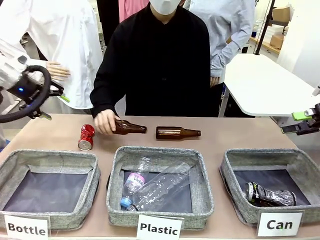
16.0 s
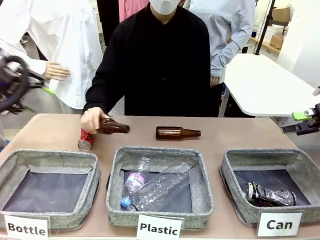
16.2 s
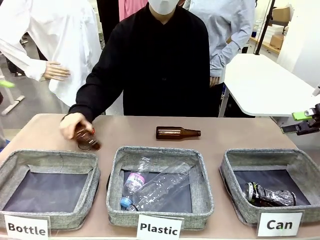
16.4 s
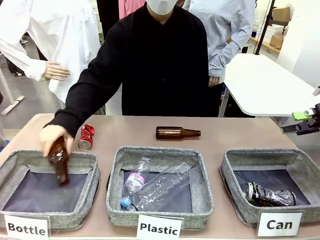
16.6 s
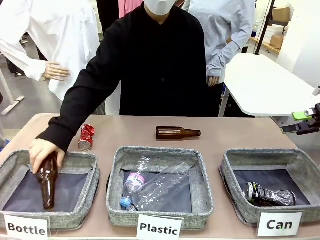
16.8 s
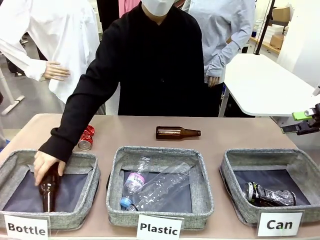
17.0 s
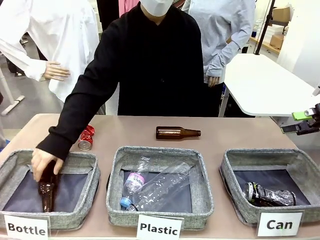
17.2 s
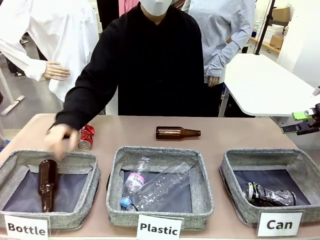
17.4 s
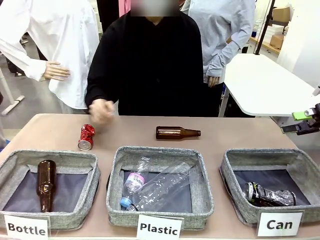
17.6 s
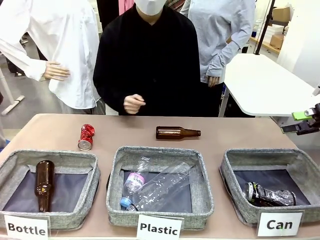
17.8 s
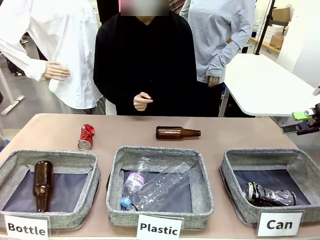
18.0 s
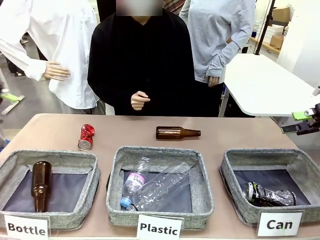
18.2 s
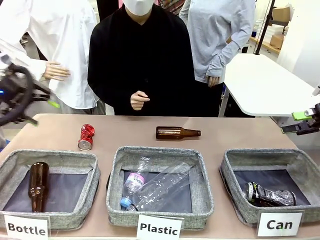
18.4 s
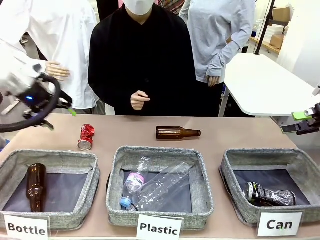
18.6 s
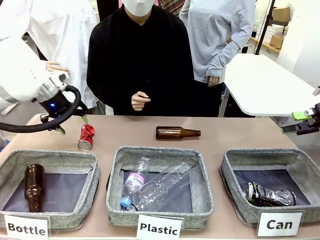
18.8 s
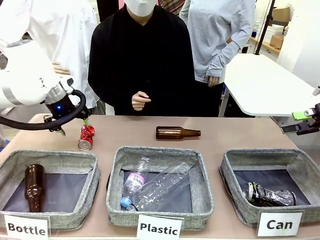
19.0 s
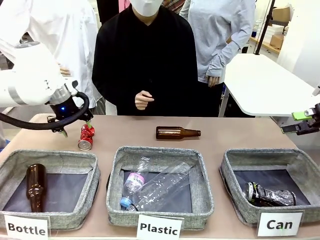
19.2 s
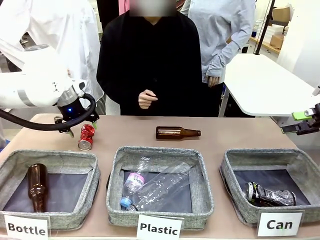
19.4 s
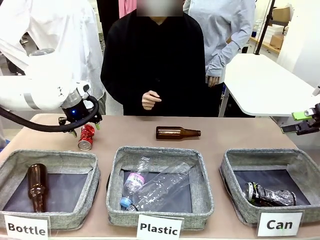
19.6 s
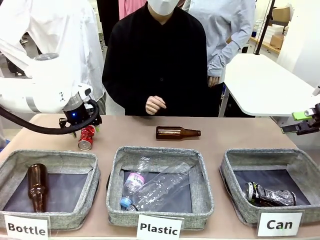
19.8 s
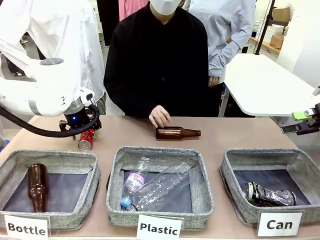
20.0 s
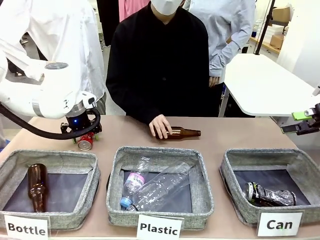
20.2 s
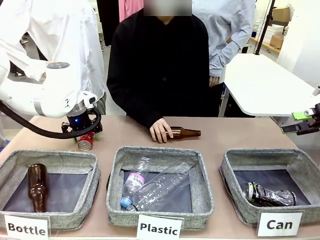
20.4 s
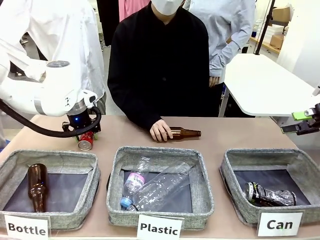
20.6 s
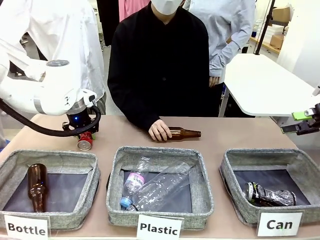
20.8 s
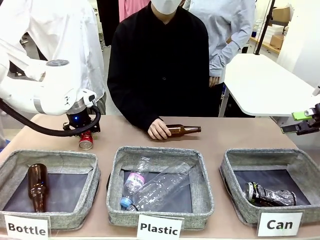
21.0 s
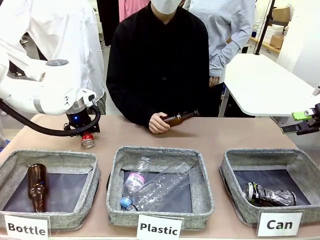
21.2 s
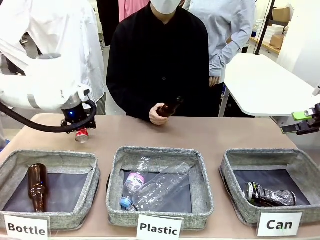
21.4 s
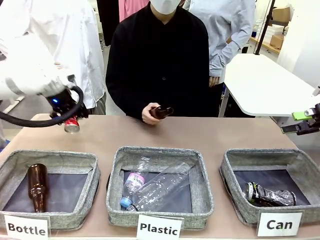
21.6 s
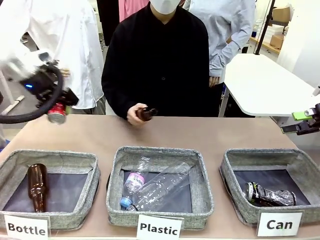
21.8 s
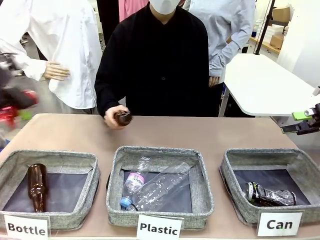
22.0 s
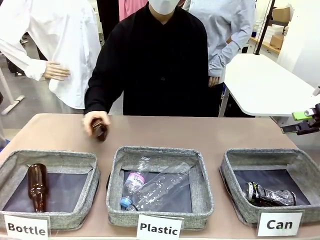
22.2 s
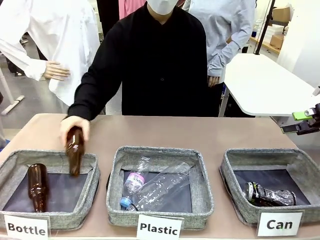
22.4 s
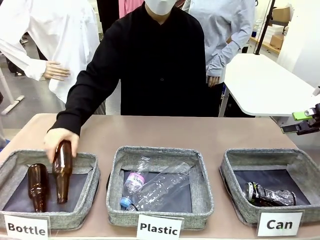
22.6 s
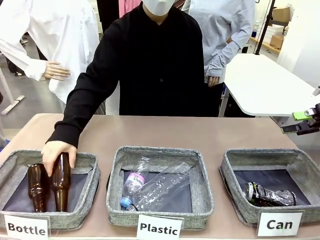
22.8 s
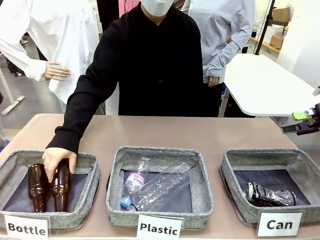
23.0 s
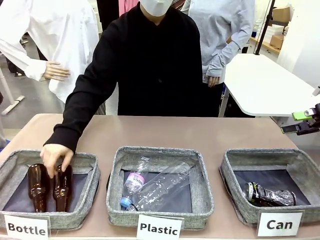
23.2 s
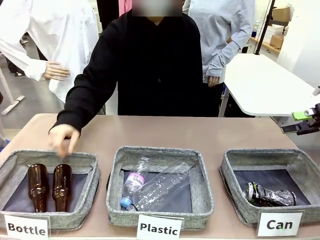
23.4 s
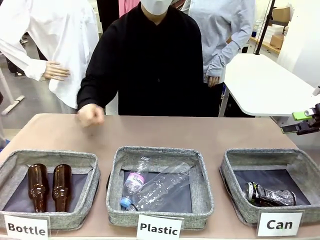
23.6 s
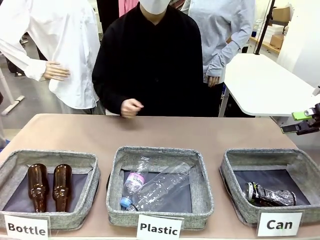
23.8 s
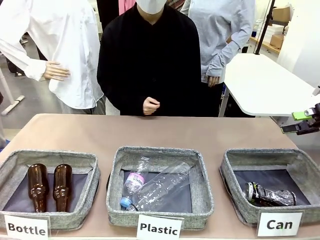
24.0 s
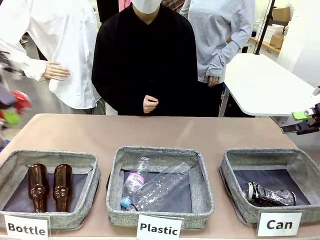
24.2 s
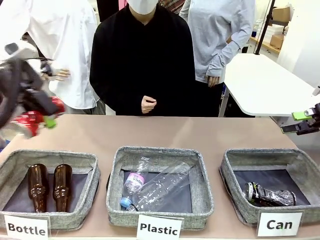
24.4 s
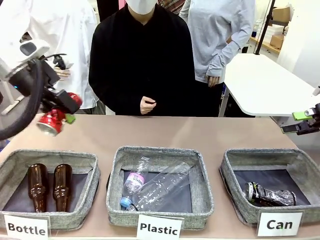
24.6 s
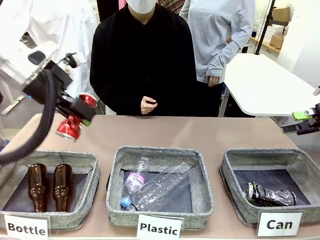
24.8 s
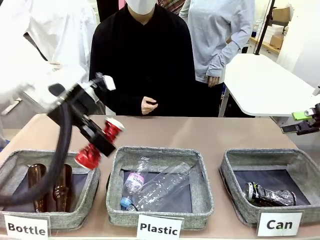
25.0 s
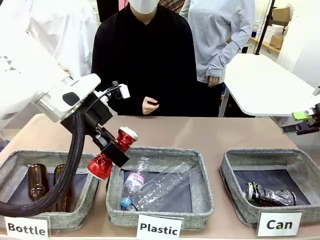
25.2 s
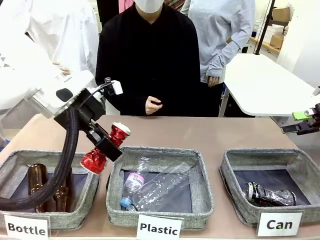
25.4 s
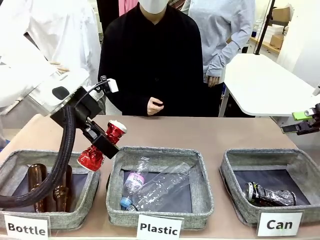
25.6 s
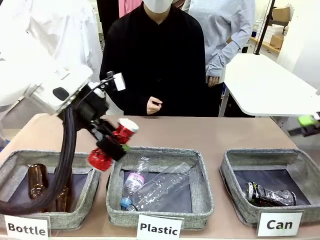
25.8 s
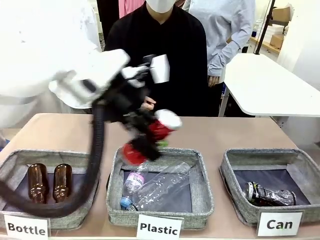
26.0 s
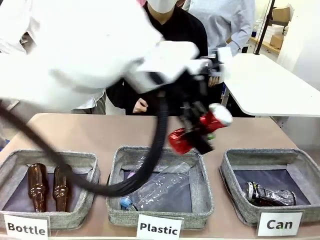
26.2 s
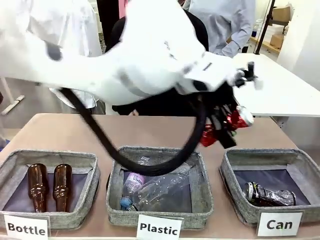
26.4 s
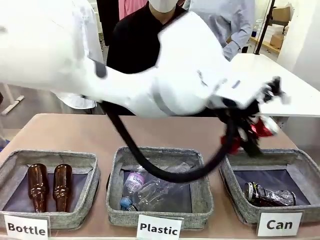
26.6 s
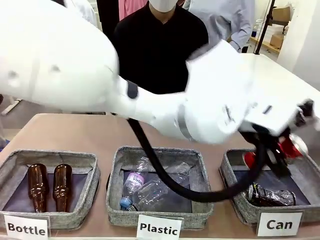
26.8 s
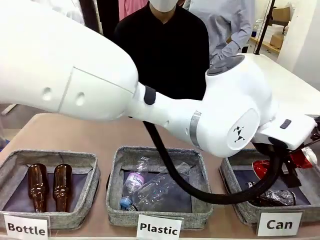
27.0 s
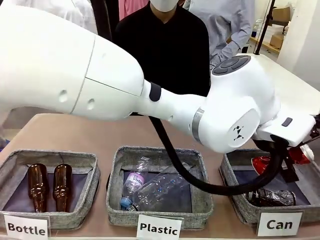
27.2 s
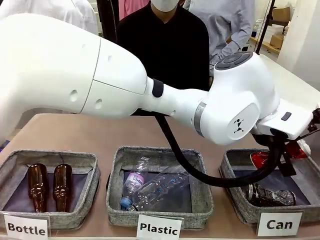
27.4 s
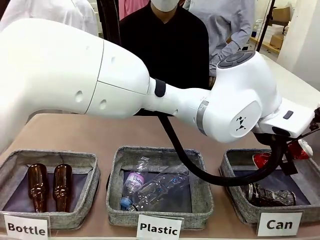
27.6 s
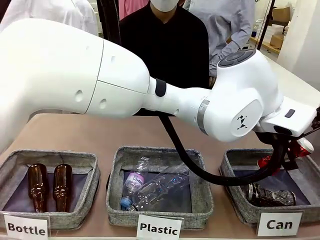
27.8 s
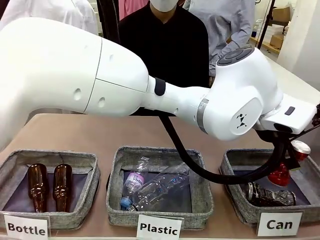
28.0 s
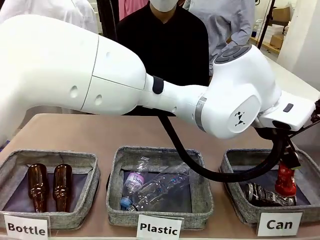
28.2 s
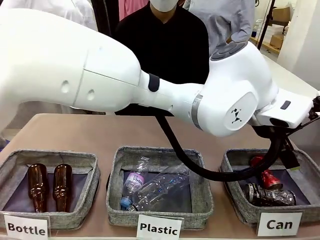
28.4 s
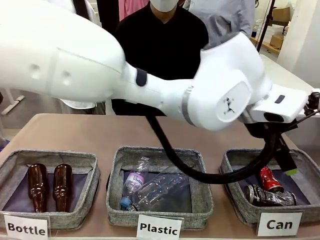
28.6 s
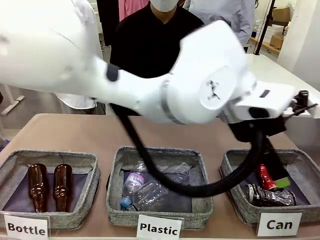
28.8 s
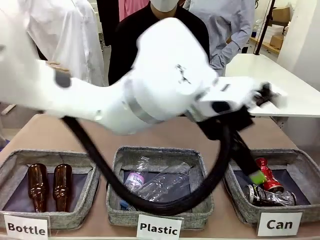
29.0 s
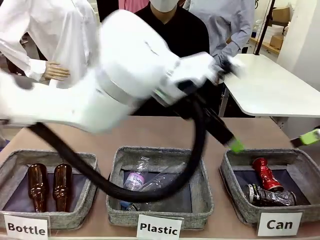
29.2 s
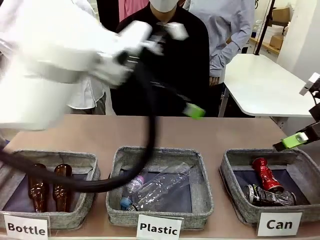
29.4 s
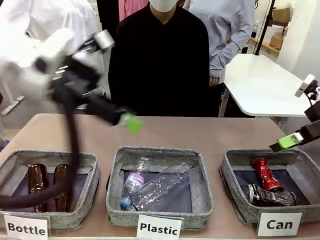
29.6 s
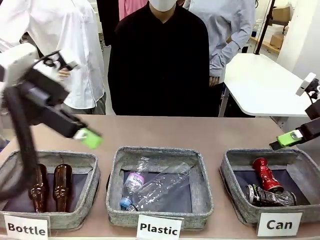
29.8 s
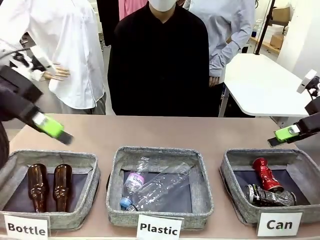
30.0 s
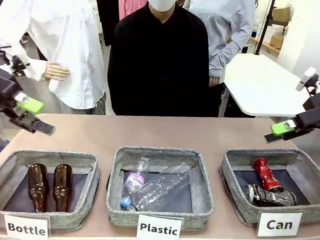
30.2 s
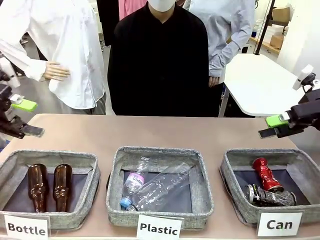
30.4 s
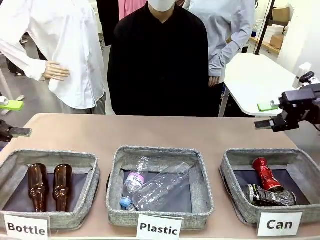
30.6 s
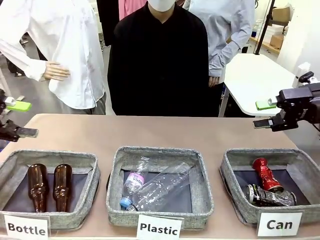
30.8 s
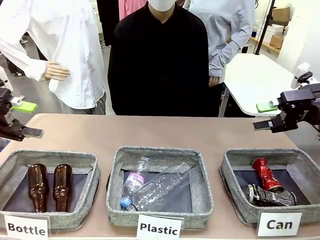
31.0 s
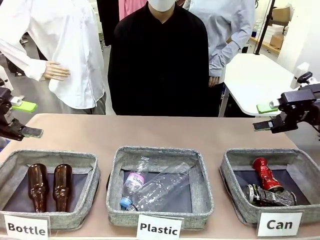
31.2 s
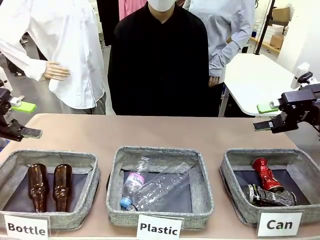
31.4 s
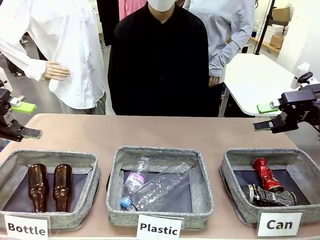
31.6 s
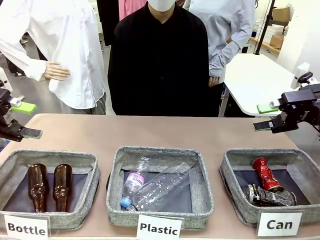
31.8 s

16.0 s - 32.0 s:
Task: Sort the can waste into the basket.
Robot: Pick up the can waste from the table and place it in the right Fabric basket.
